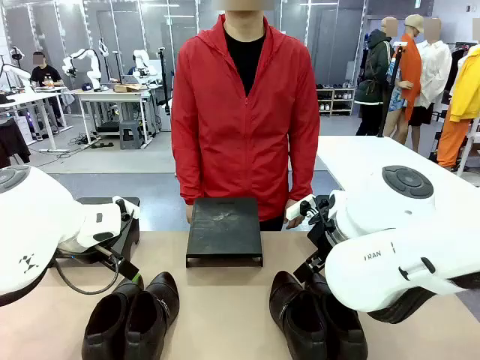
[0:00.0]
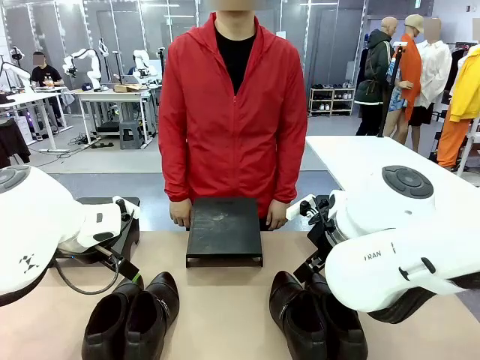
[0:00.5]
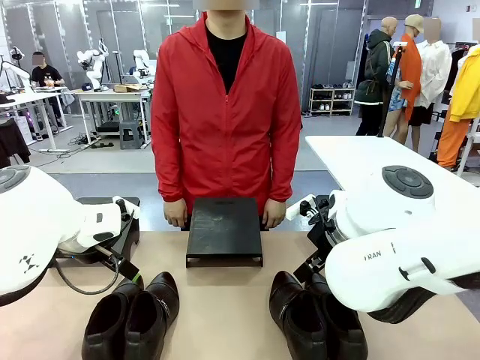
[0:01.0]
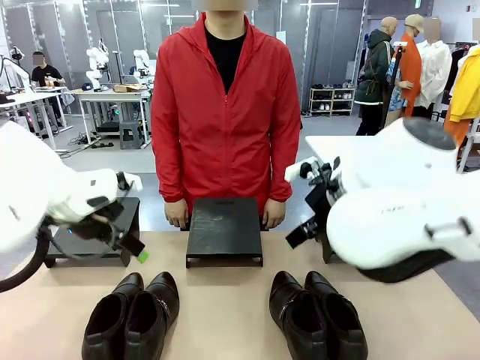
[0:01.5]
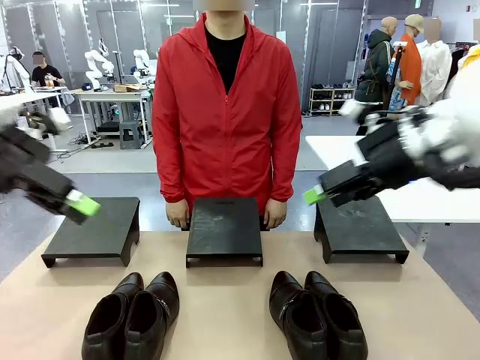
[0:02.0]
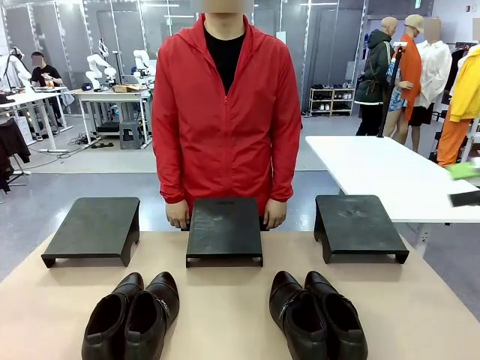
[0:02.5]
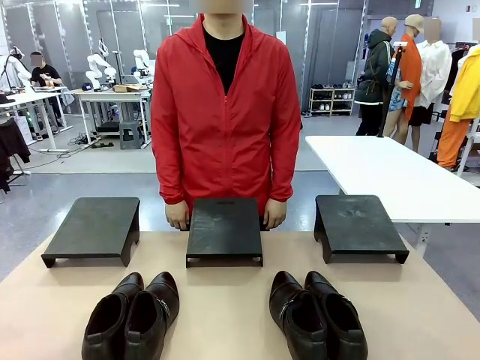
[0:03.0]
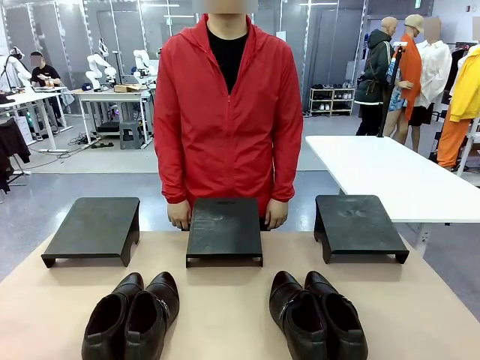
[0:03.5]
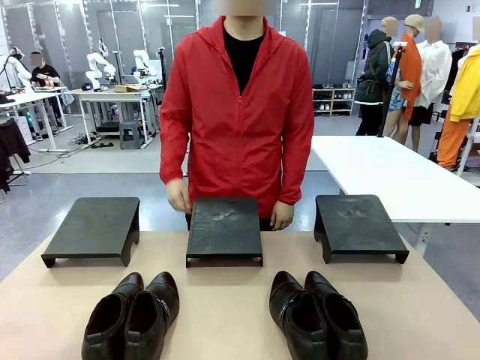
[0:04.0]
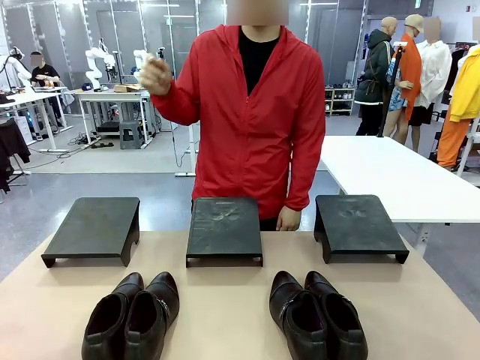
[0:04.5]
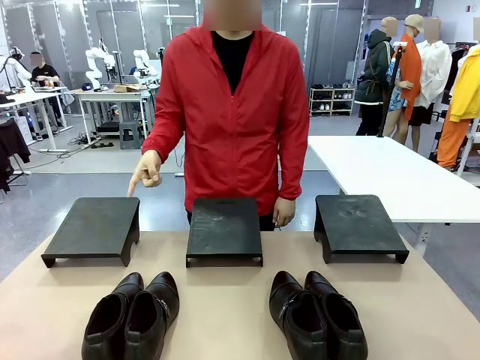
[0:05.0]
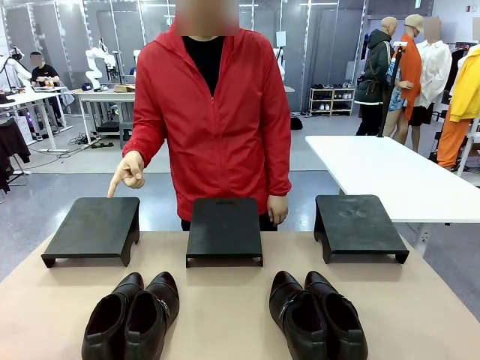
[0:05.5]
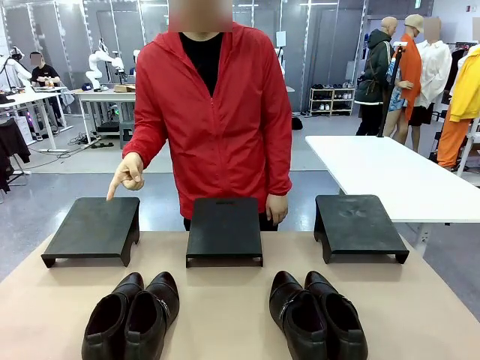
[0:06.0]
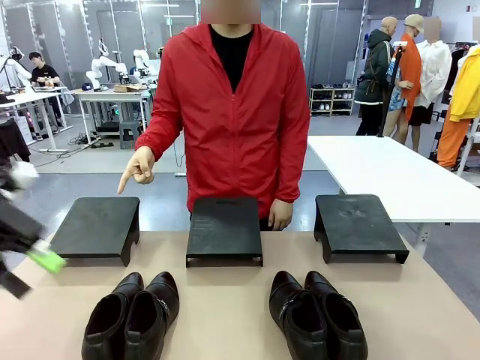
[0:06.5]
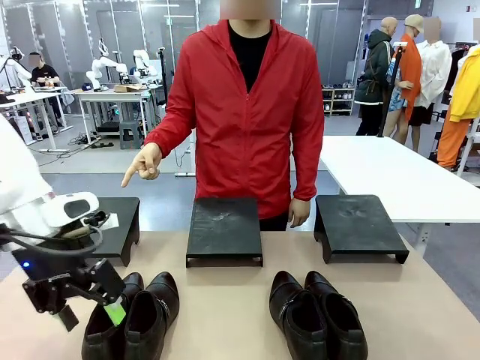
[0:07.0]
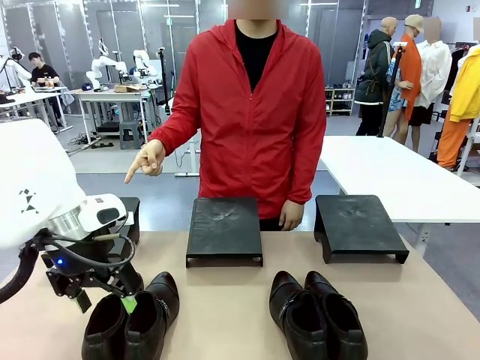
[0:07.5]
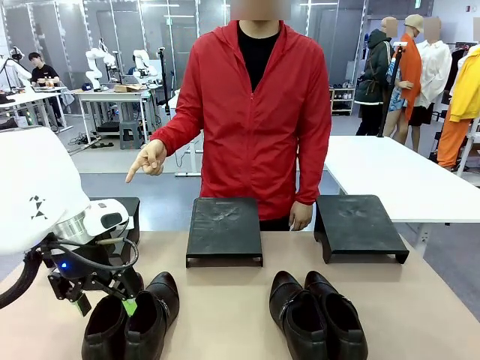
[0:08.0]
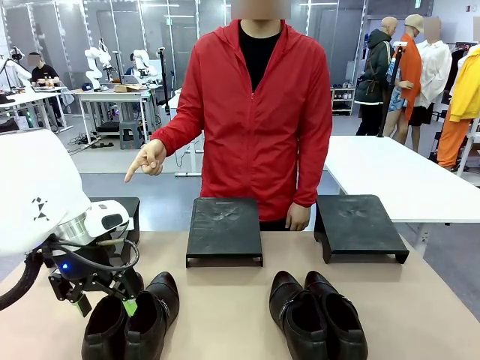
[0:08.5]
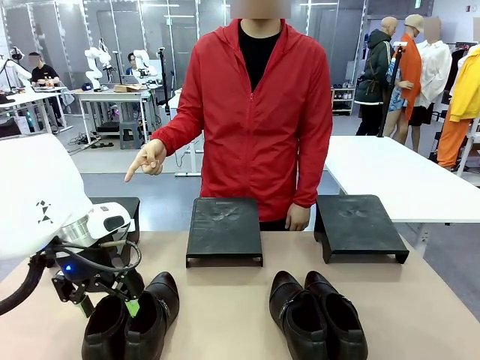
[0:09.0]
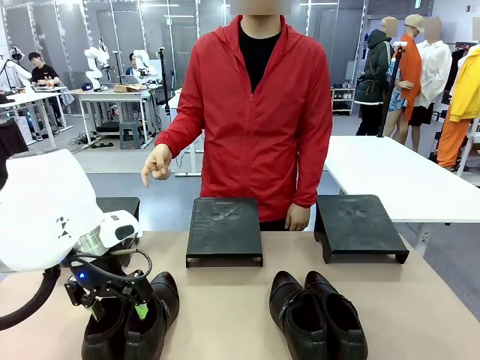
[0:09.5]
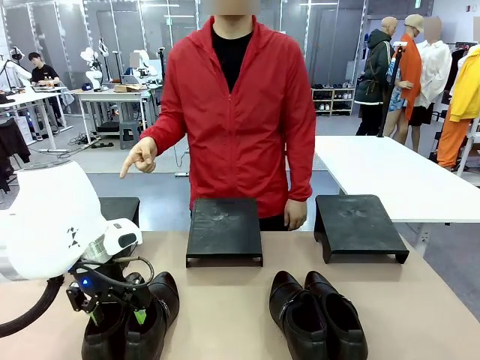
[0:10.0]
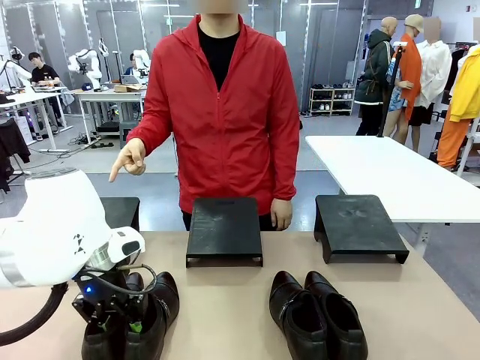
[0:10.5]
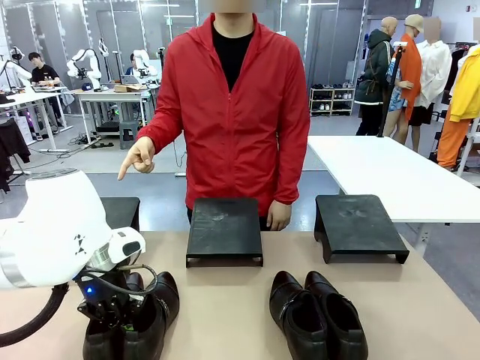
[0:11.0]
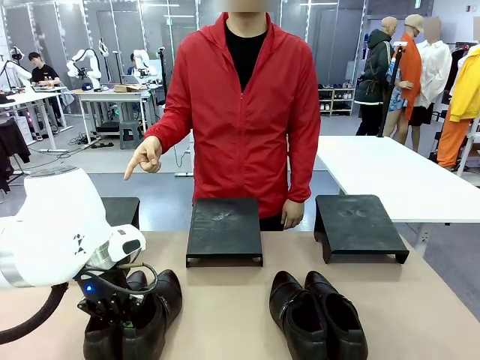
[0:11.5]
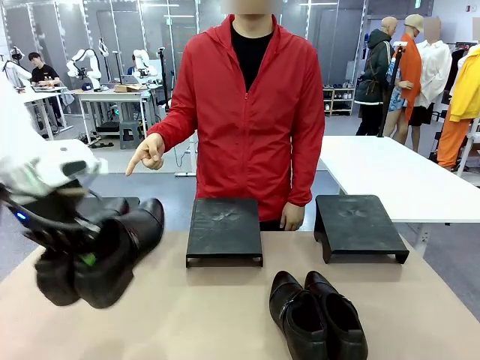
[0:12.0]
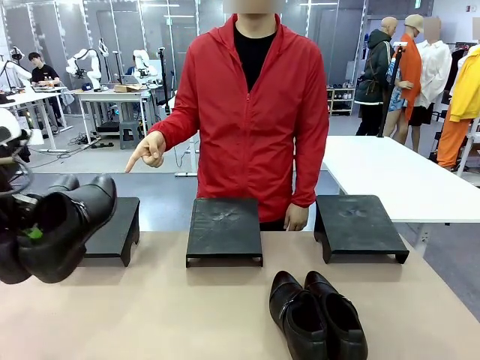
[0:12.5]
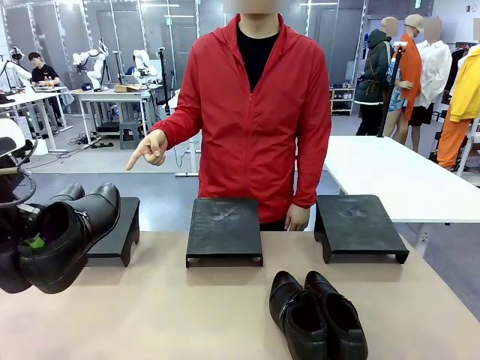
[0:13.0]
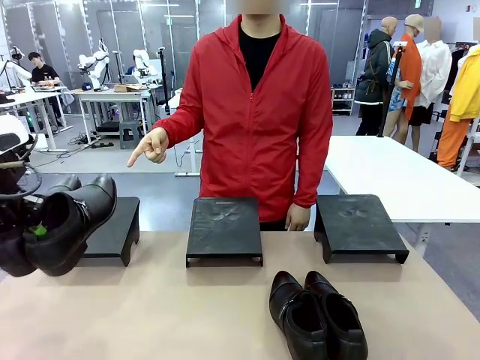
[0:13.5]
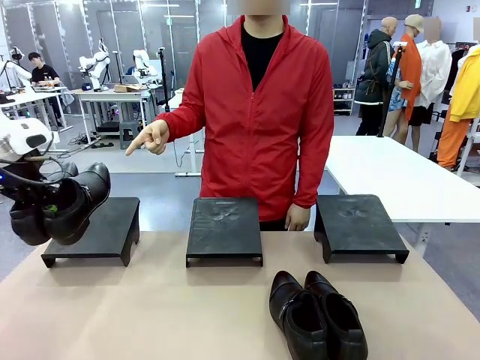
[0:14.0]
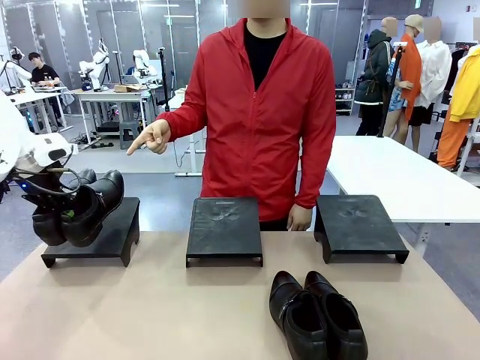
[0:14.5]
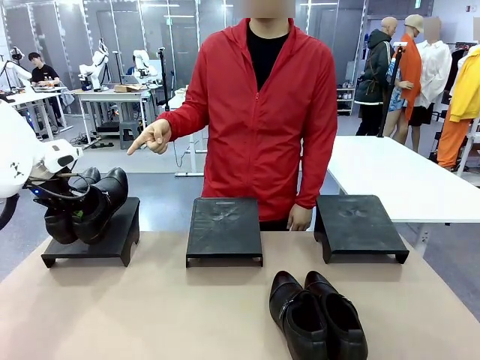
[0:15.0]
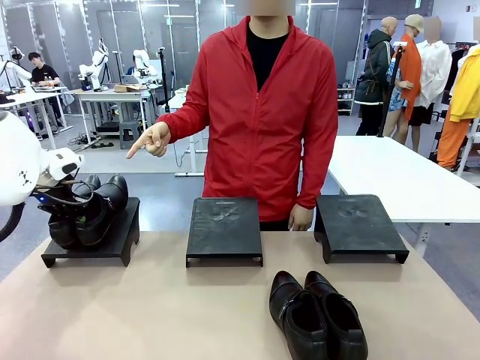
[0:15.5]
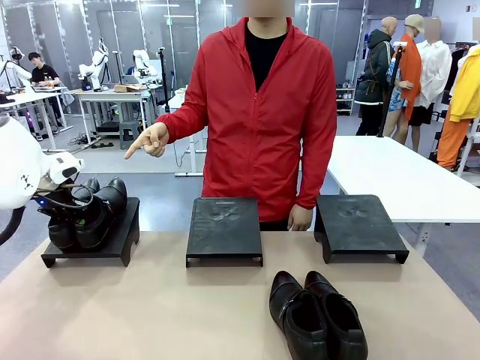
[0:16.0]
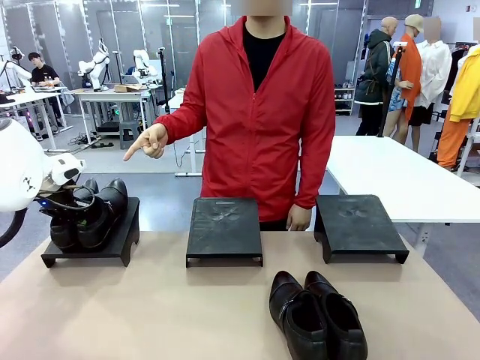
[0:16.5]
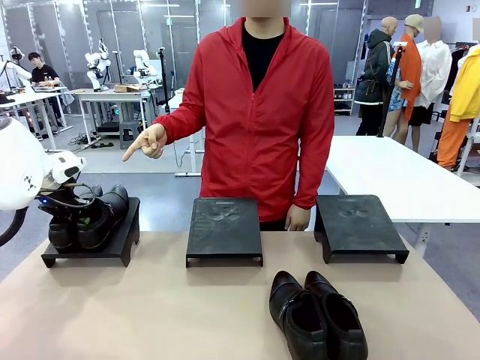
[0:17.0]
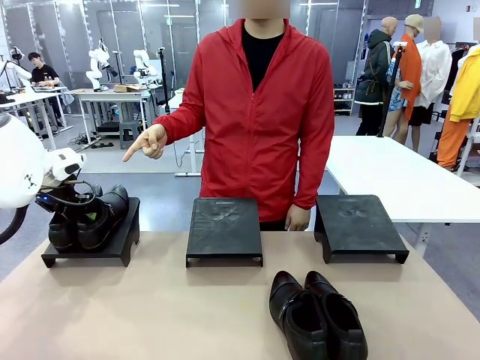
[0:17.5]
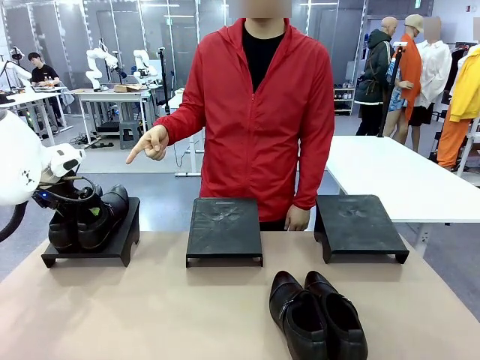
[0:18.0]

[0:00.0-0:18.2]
Task: Place the shoes on the stand as instructed by the person.
Robot: Pick up one pair of Shoes and place it on the Shoes Stand indicated by the person.
